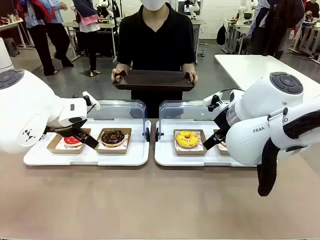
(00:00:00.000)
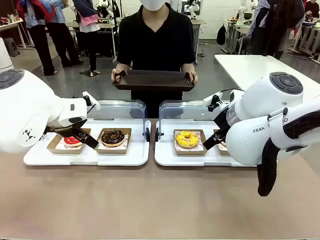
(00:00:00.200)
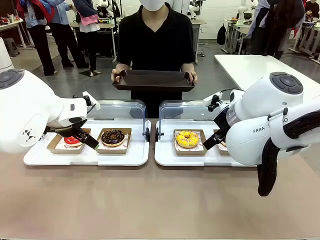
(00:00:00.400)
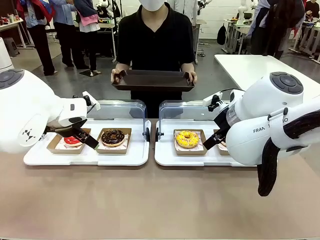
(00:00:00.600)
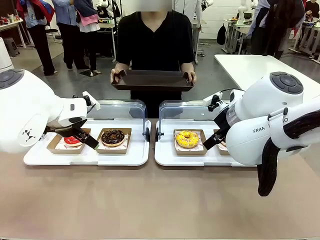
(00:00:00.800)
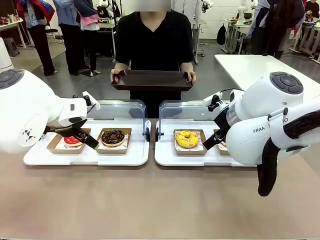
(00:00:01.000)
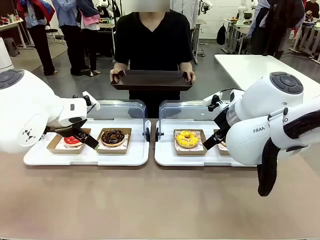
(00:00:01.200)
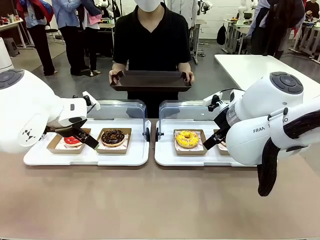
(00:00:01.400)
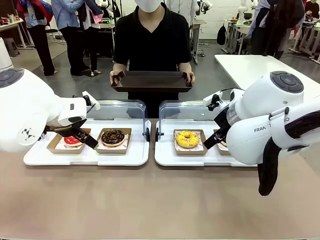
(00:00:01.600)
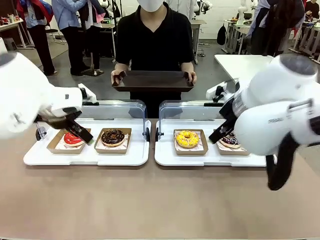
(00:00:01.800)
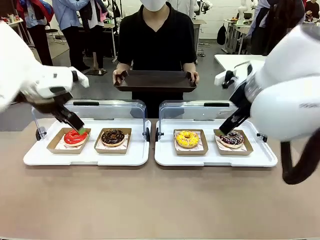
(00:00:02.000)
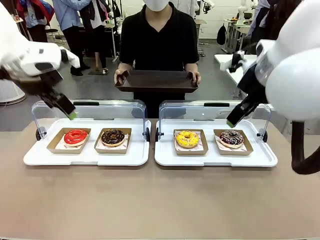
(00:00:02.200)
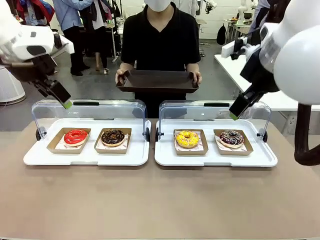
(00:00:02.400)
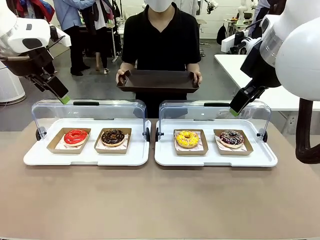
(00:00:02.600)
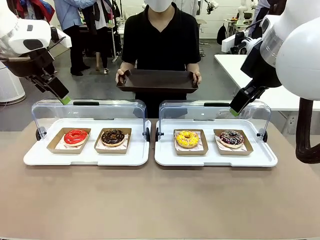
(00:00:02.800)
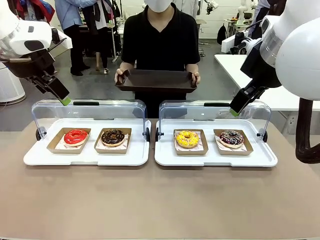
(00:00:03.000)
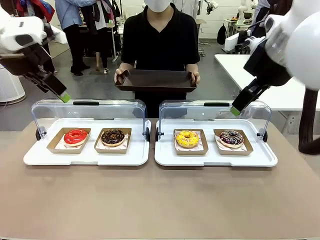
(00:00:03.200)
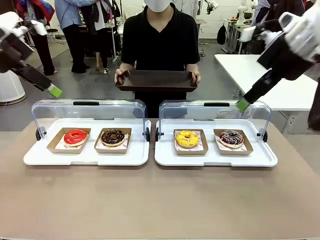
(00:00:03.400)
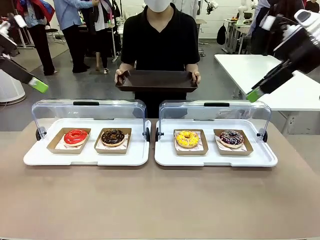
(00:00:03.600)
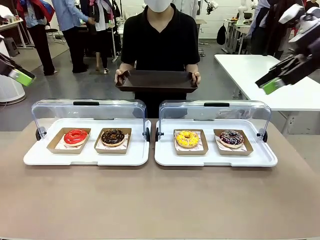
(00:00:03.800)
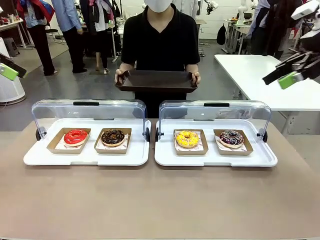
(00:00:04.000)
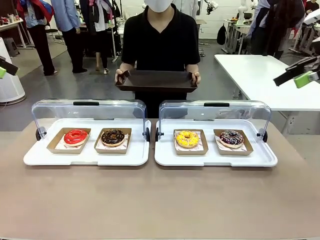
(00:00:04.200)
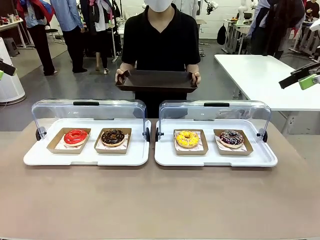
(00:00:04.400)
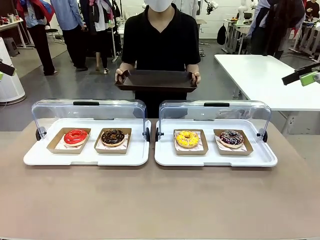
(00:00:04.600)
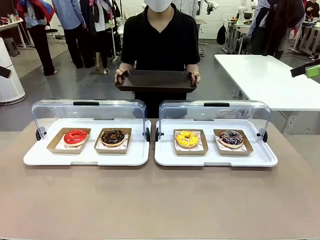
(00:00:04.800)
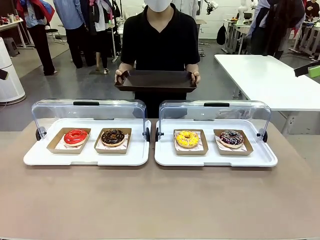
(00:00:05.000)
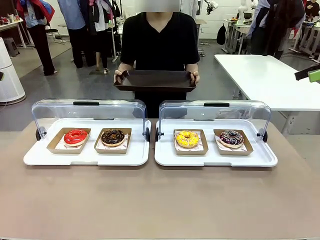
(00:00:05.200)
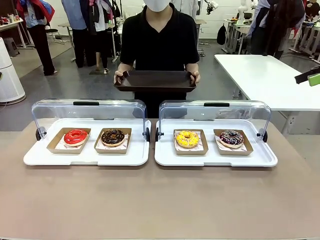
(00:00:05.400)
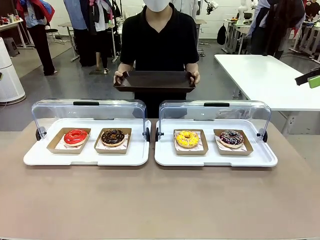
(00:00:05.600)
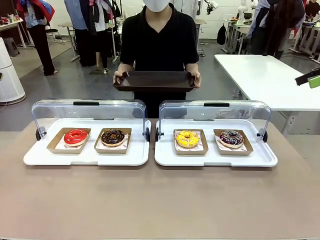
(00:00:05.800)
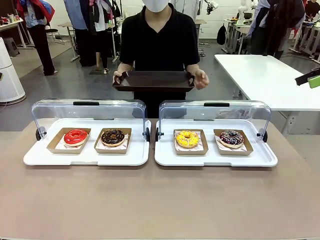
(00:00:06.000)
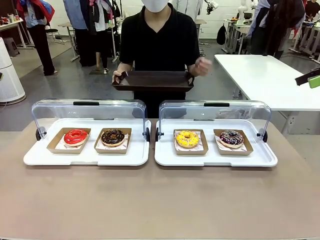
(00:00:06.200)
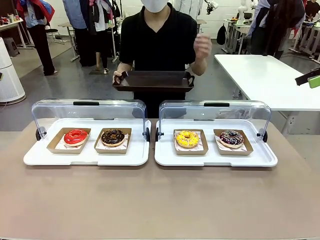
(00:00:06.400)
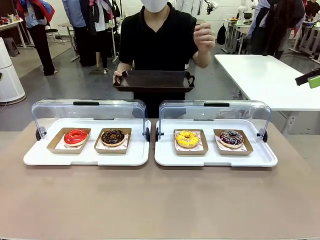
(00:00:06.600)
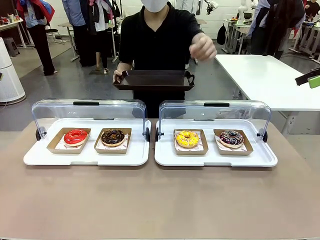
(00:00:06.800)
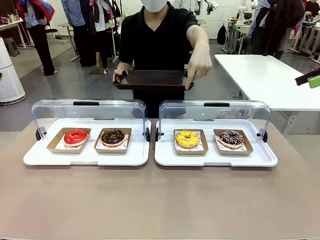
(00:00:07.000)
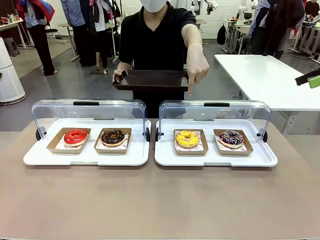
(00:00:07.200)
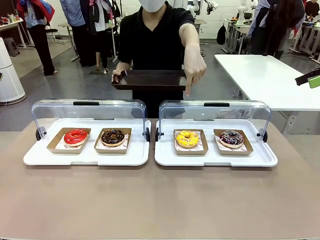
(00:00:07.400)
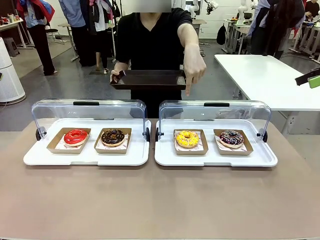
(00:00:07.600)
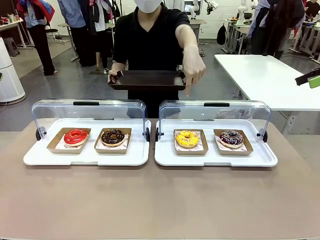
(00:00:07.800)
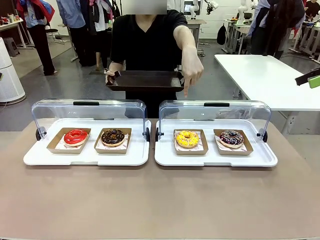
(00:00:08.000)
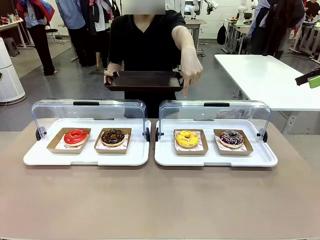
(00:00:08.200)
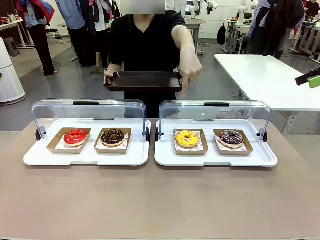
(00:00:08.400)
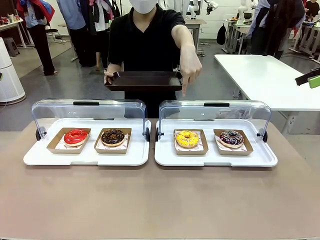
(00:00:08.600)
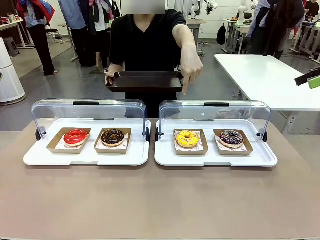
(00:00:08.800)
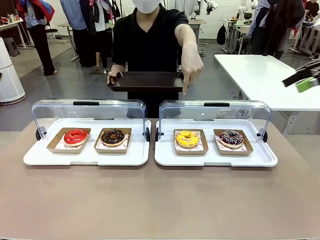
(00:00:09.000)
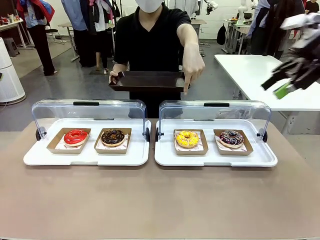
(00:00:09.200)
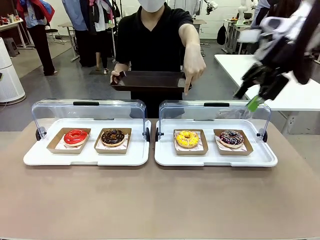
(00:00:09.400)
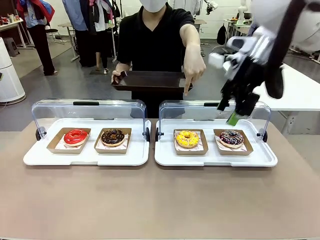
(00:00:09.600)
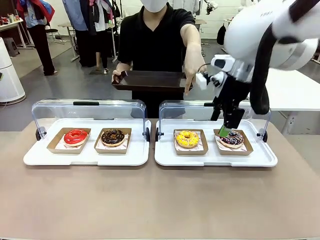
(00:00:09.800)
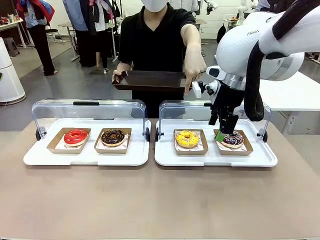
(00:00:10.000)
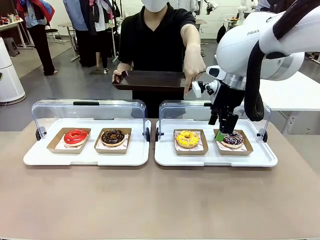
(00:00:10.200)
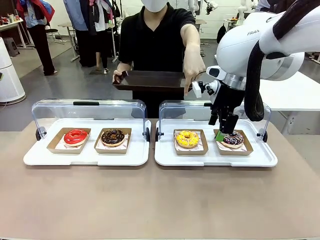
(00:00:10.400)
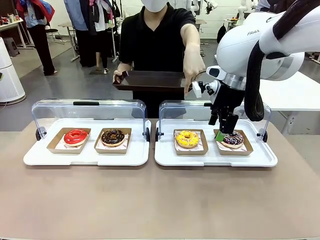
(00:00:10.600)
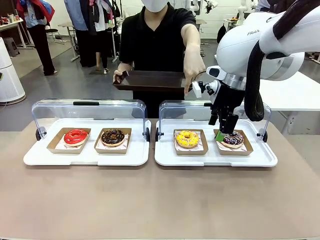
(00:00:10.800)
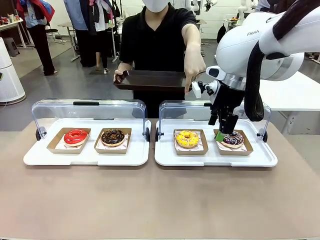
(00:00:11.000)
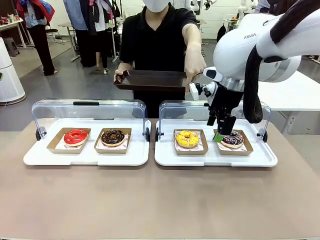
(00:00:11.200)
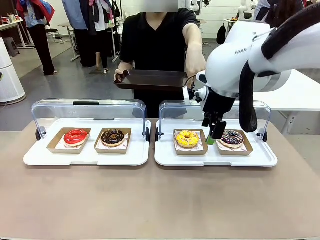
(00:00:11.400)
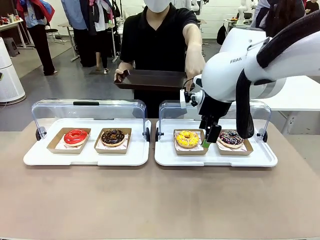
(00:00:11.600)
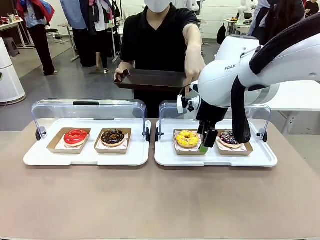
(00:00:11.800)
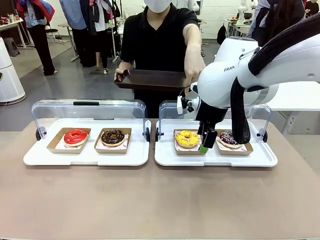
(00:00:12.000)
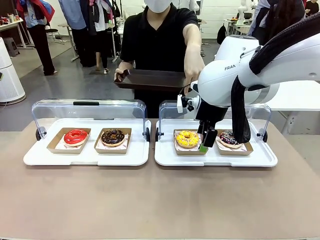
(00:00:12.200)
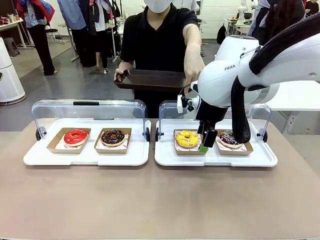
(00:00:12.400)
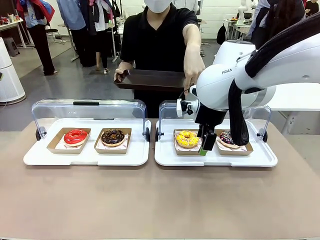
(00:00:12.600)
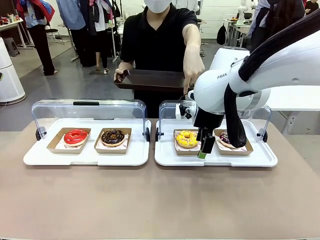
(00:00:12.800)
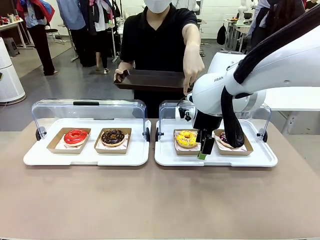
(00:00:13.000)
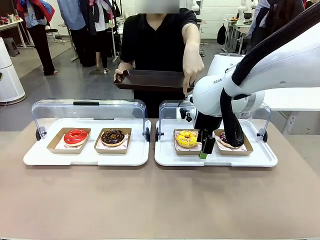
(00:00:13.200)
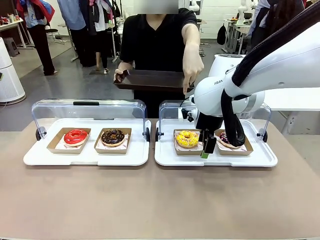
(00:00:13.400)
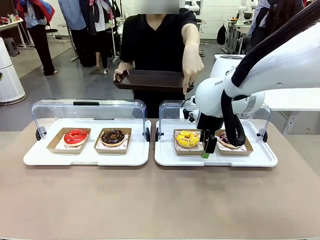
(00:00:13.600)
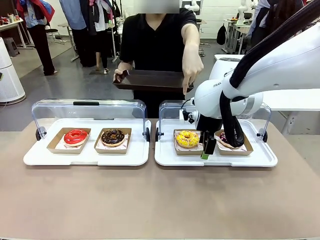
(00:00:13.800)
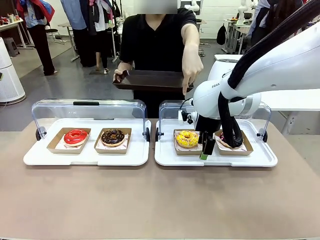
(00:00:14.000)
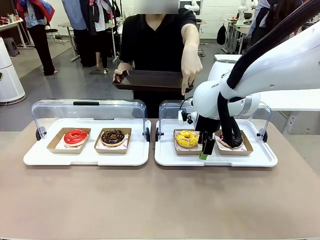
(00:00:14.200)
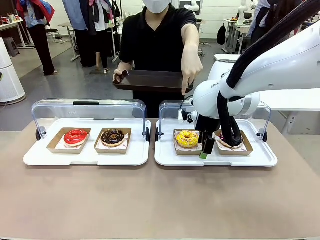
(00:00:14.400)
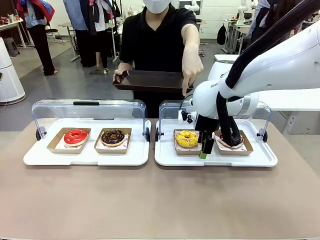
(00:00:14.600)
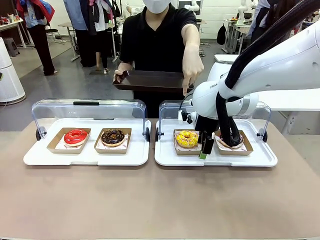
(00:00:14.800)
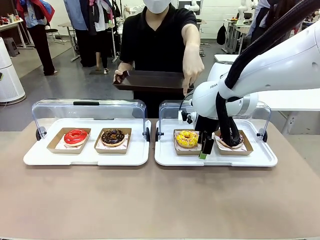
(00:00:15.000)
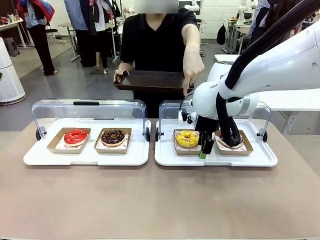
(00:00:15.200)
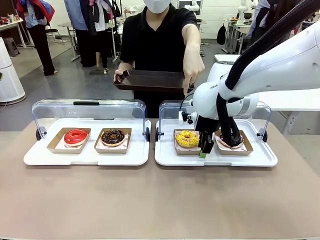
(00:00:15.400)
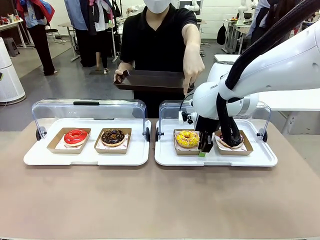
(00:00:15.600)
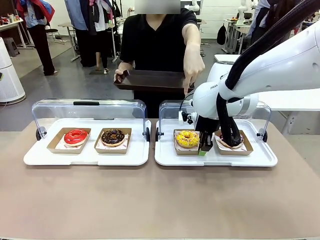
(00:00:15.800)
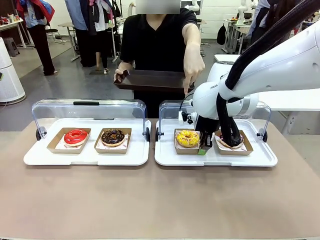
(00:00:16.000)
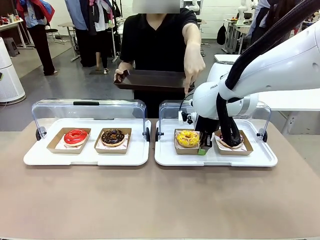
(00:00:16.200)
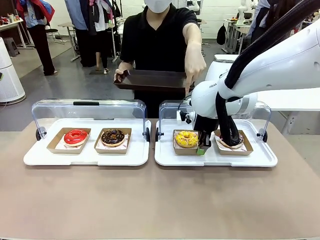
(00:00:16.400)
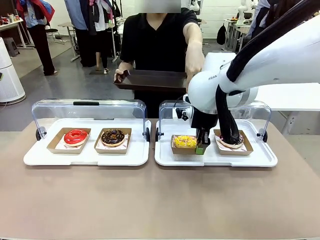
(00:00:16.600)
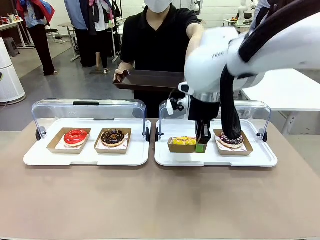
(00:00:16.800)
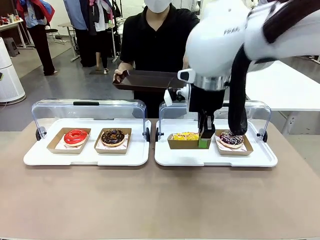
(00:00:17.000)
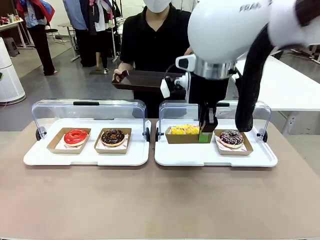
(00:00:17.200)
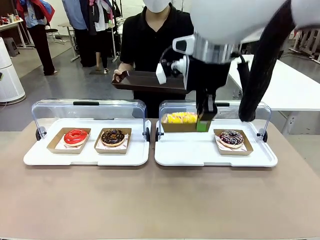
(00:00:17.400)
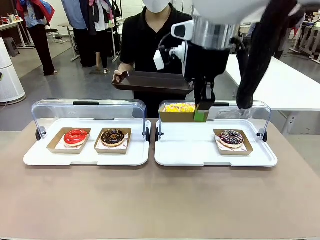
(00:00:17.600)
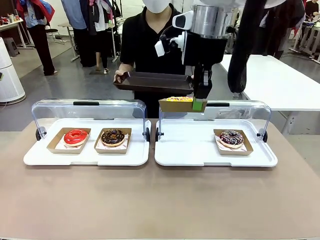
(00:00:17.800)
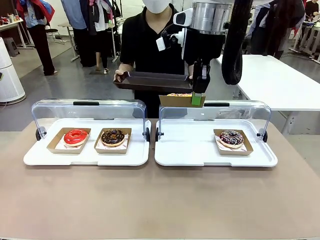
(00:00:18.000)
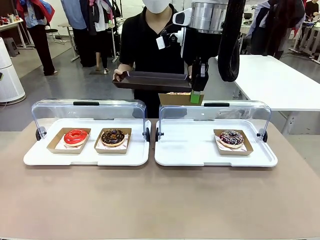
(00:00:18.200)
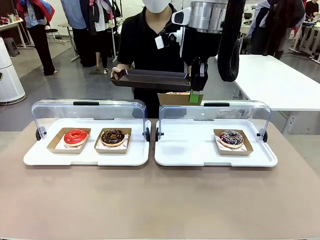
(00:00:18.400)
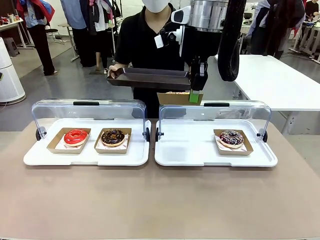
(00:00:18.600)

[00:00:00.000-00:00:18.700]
Task: Provide the desired donut to the person.
Robot: Pick up and lift the Paper togo box containing the Donut pointed at by the person.
Person: Point to one donut. Lift the tray onto the Roll-Top Bakery Case.
